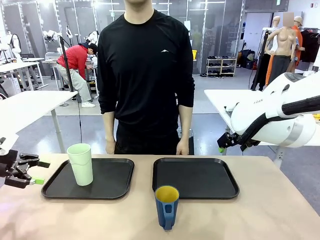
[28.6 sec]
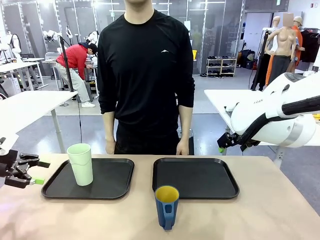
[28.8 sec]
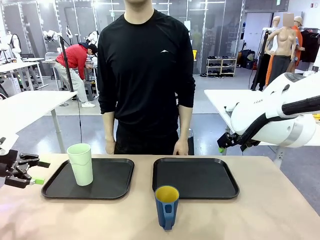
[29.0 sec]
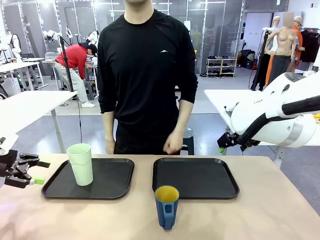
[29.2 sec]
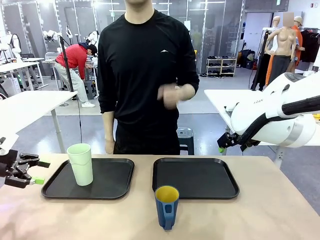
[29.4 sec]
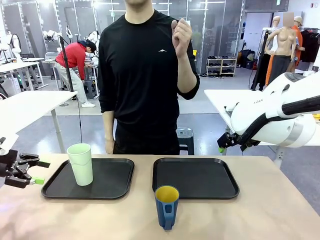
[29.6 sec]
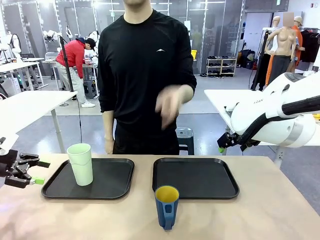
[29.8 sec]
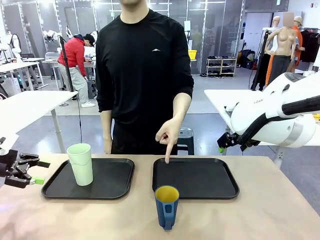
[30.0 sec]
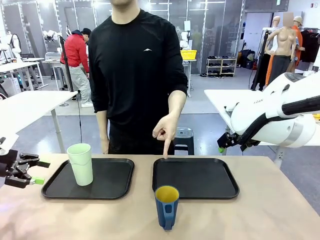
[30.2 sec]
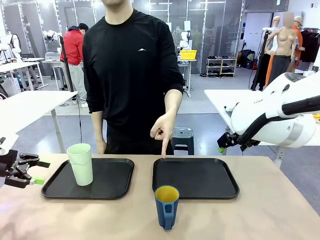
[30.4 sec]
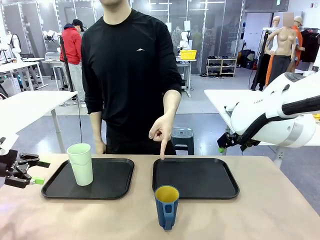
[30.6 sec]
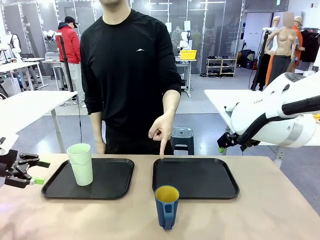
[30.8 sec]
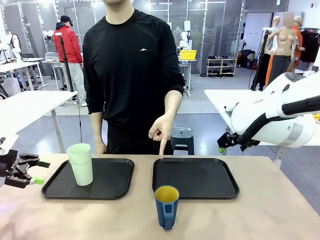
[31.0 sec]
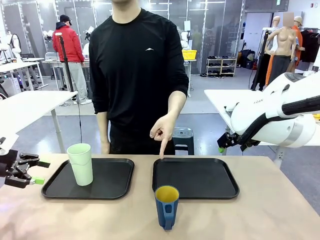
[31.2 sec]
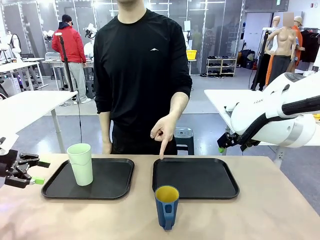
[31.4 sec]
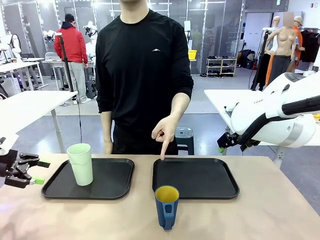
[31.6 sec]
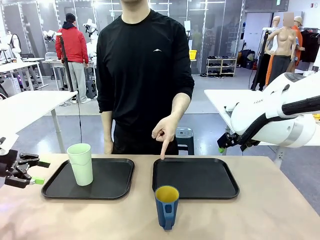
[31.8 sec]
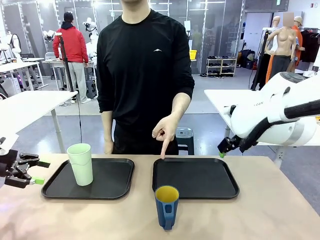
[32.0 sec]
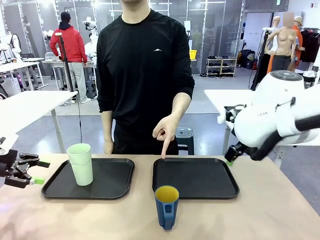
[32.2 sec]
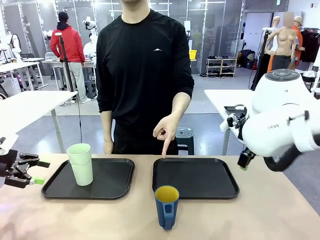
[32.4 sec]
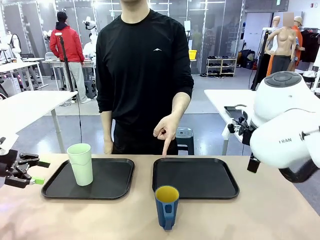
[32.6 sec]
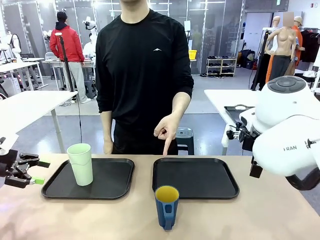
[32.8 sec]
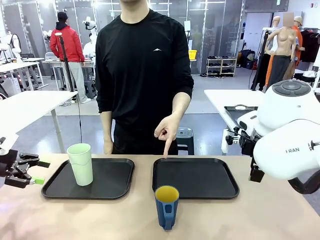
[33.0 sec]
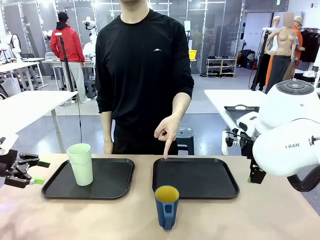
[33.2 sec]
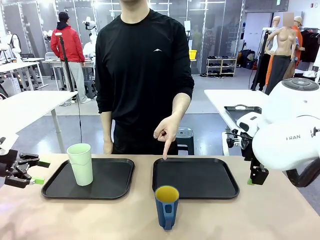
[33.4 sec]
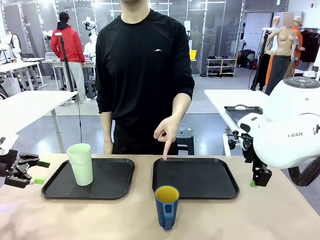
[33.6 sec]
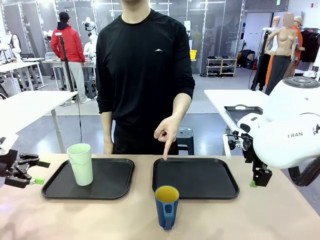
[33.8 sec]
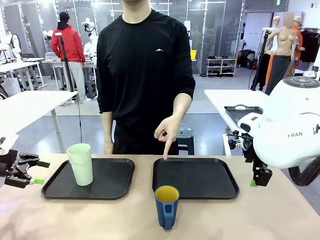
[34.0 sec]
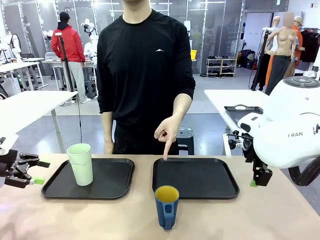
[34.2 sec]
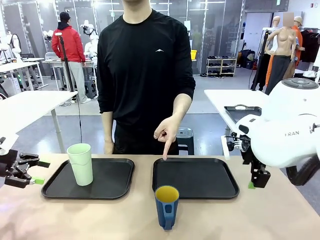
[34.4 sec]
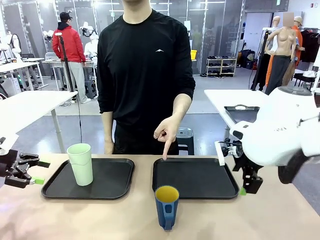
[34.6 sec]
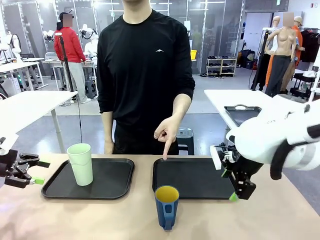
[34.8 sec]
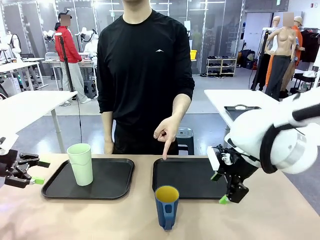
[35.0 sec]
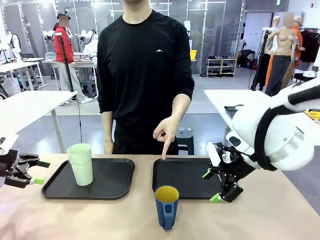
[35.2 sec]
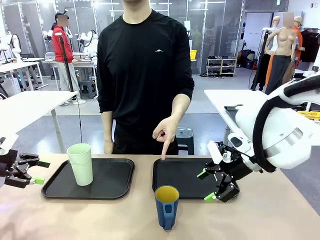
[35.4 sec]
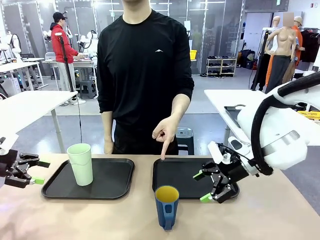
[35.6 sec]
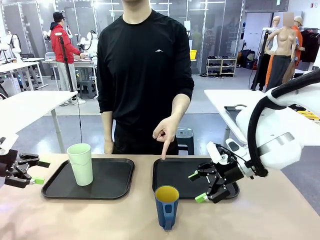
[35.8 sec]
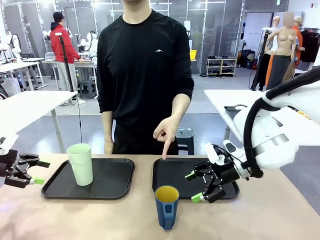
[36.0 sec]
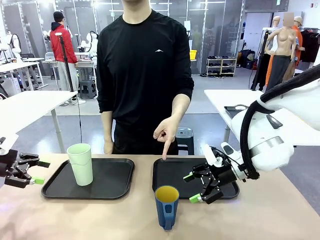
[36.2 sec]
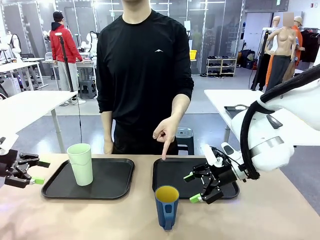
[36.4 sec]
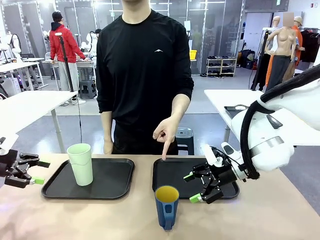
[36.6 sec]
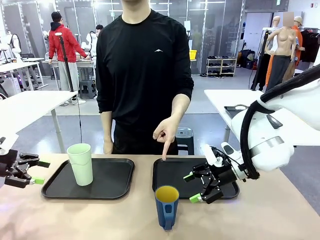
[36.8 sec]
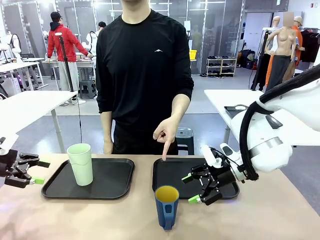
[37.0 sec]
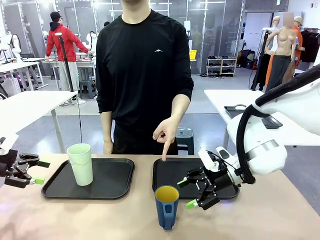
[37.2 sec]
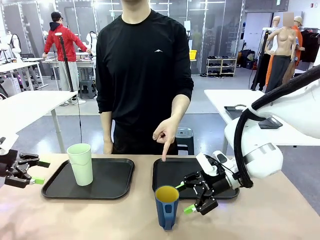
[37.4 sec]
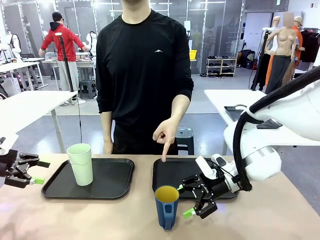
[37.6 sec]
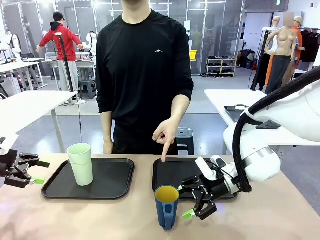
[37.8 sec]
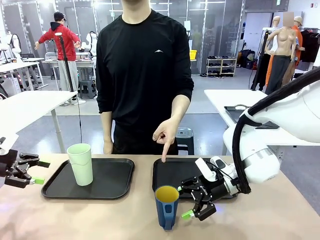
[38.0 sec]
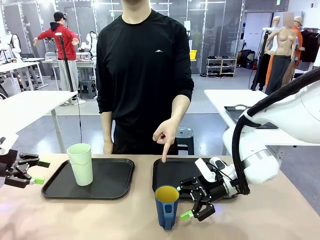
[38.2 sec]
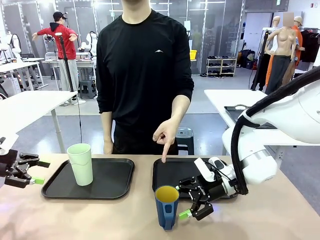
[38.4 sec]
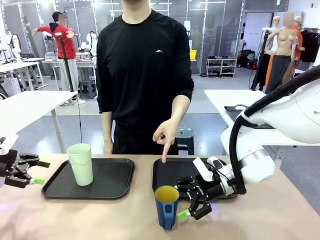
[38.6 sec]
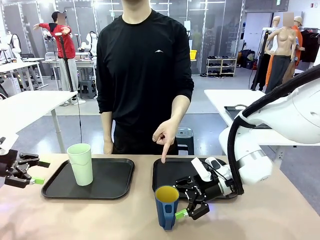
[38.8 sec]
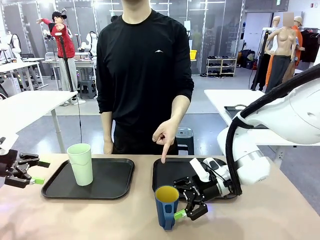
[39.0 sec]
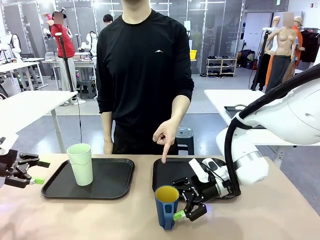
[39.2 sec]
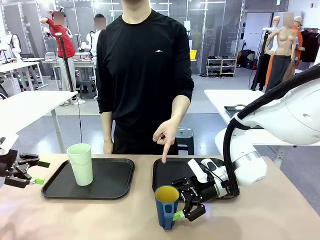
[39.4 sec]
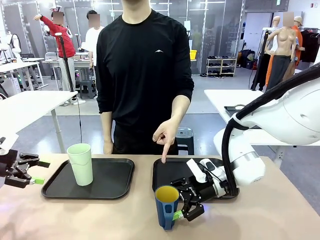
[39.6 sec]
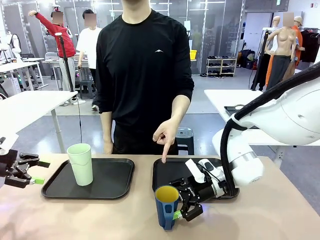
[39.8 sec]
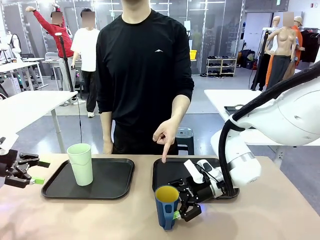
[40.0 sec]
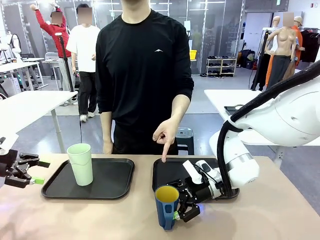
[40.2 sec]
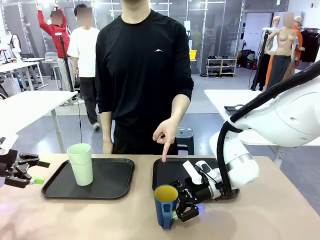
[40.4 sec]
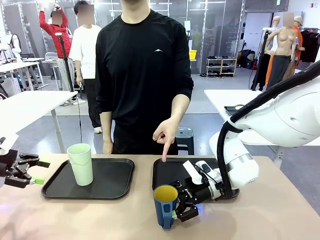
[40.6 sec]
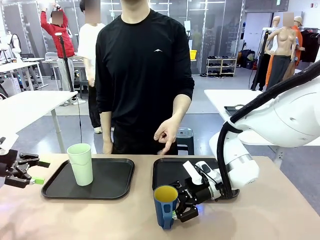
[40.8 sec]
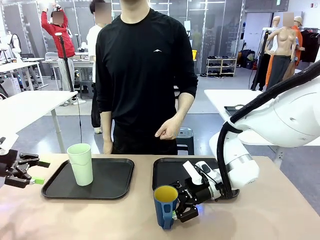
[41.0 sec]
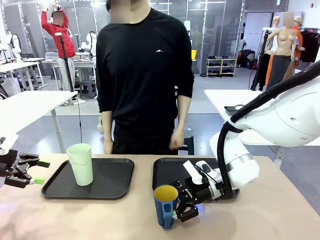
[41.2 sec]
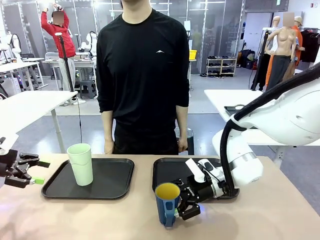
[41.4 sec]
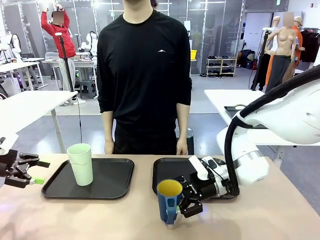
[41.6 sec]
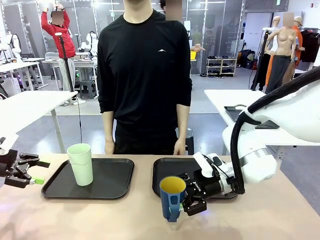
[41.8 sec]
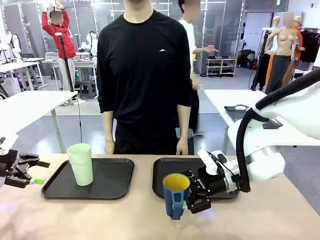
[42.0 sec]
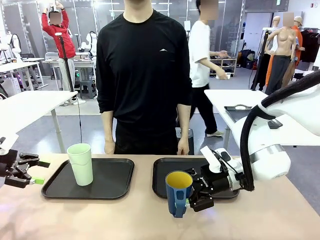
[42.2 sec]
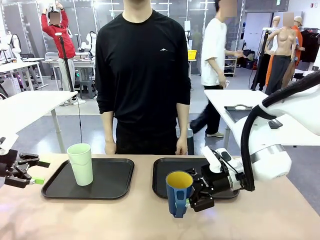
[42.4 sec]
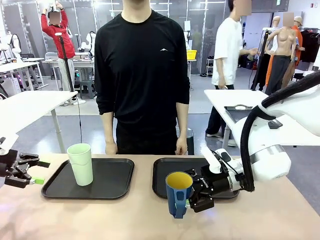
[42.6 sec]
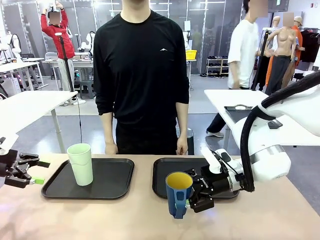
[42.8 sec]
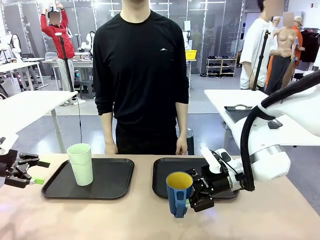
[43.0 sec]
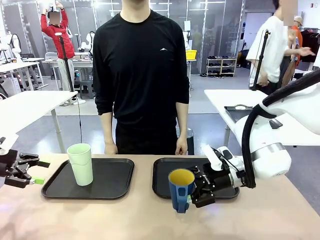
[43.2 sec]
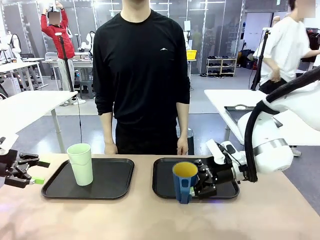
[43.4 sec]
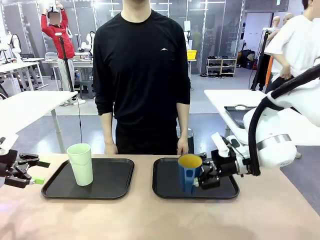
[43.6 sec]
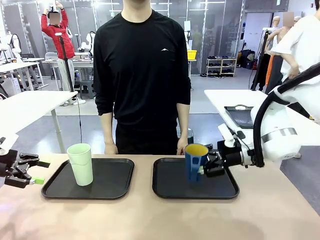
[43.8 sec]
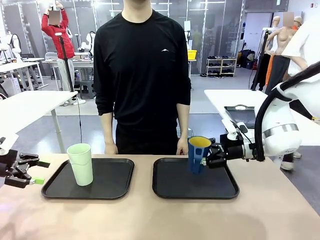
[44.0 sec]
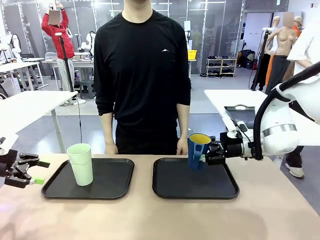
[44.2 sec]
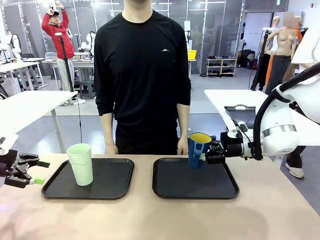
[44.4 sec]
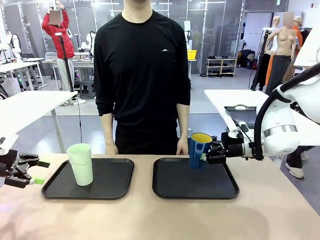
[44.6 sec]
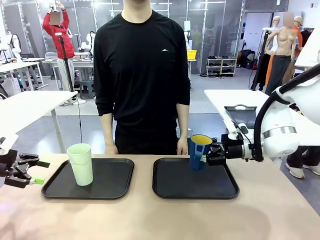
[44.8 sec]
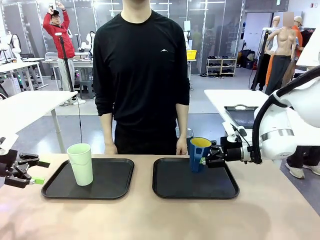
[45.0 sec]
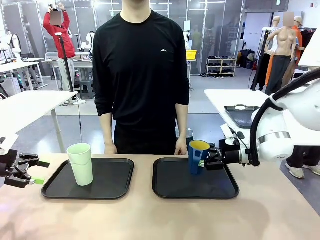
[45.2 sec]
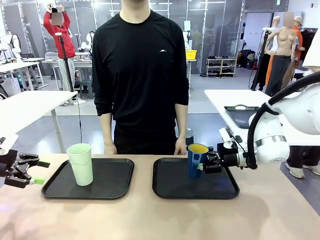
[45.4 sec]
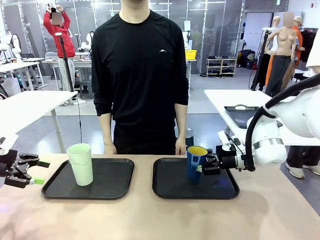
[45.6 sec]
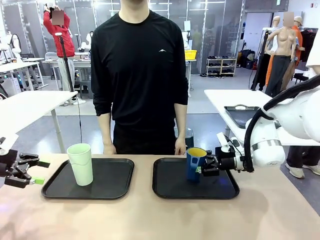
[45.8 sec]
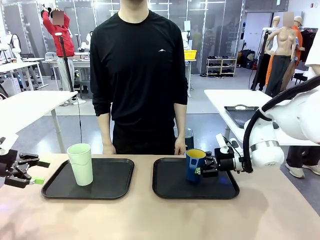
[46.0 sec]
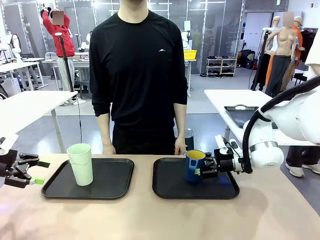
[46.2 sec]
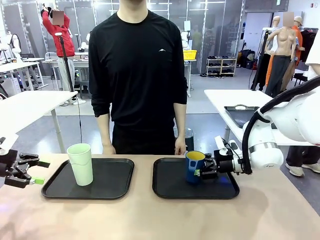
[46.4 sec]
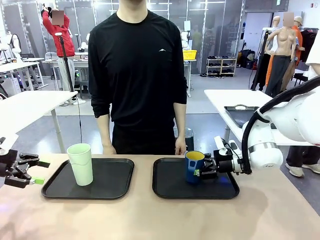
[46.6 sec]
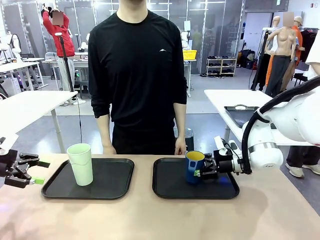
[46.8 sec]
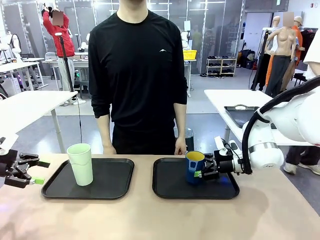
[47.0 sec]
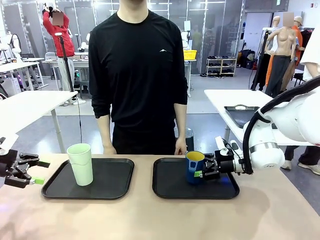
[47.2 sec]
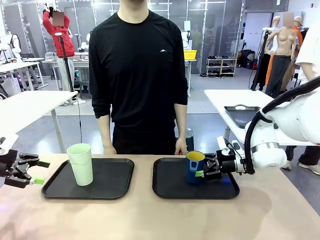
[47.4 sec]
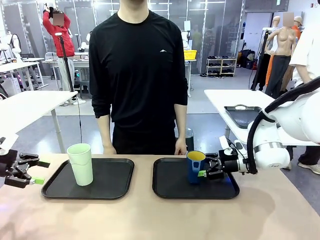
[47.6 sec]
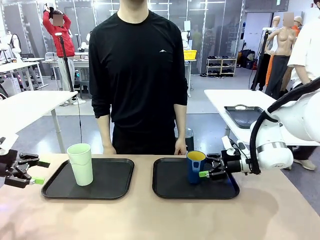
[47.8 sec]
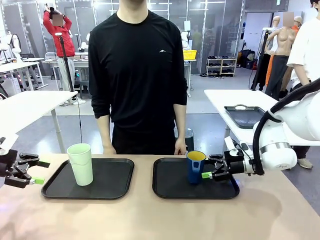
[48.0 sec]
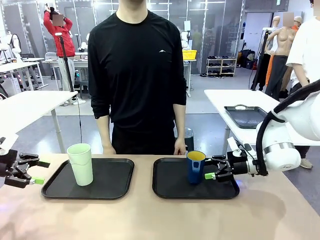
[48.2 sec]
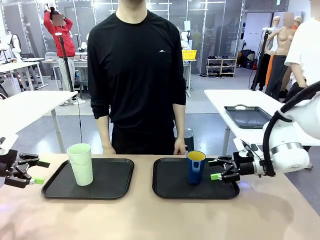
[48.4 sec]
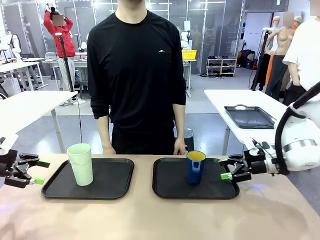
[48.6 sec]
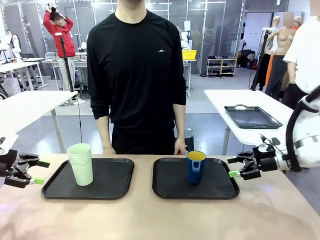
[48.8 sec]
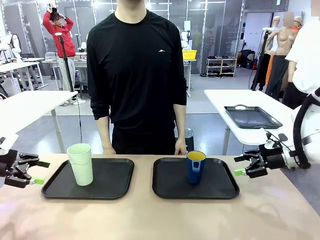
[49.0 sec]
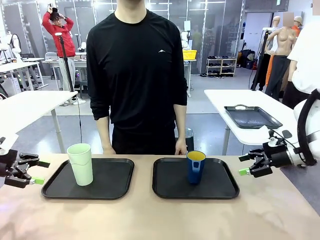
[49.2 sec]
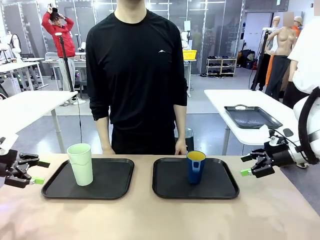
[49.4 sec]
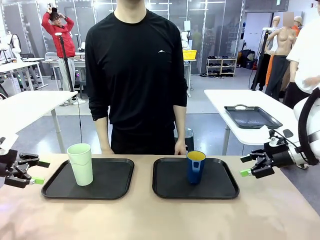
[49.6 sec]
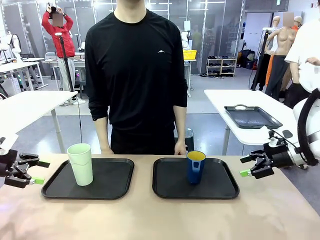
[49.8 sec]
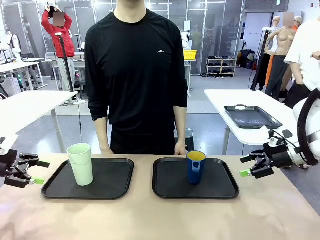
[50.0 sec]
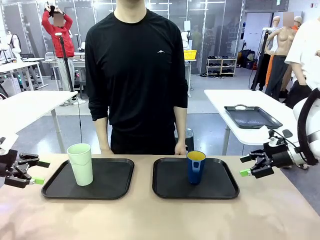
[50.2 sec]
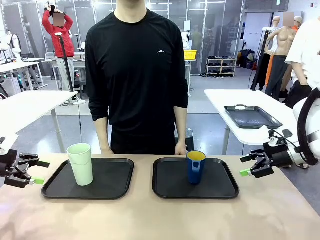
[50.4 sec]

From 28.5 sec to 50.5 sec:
Task: Sort and store the cups by type.
Robot: Pick up the Handle plastic cup and place it into the empty Flat Tray.
Person: Points to the cup with a handle.
